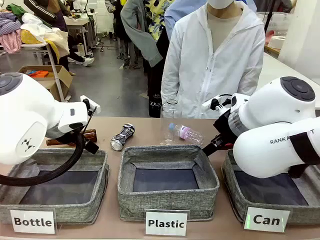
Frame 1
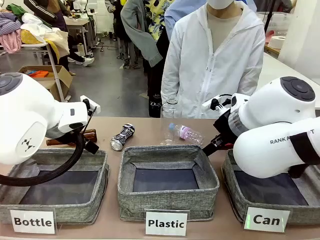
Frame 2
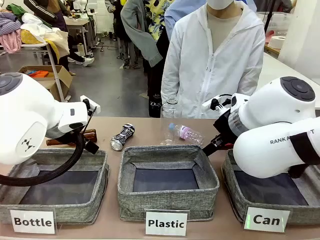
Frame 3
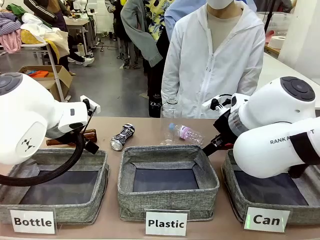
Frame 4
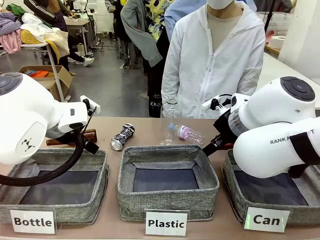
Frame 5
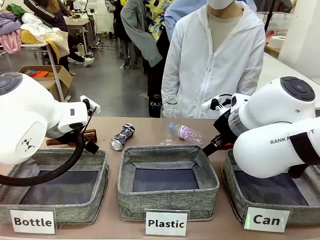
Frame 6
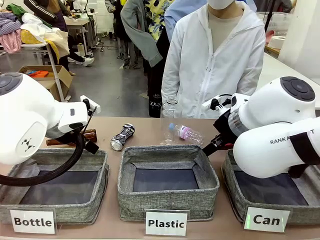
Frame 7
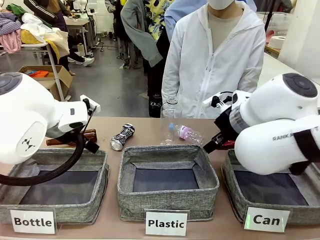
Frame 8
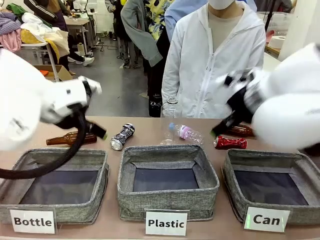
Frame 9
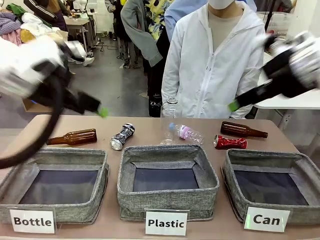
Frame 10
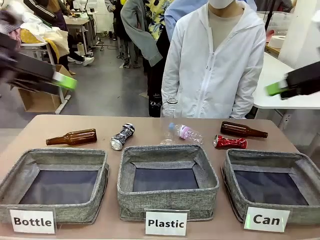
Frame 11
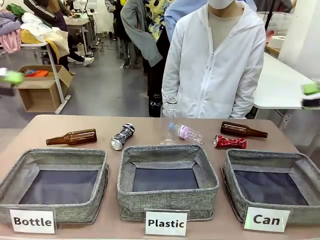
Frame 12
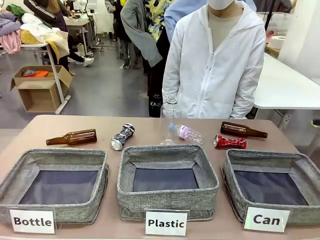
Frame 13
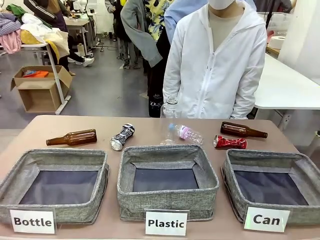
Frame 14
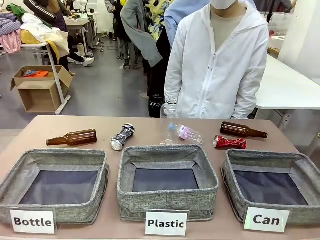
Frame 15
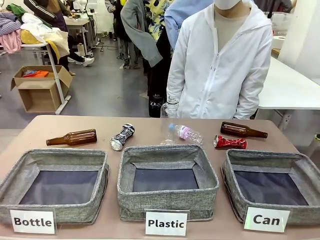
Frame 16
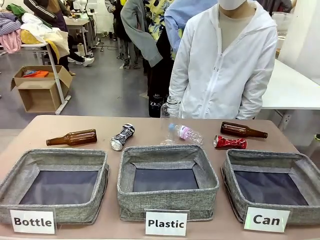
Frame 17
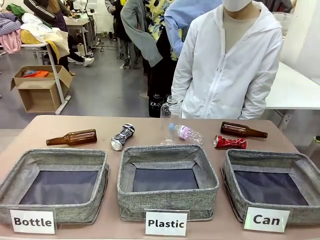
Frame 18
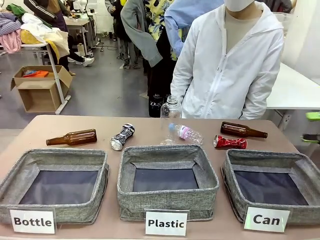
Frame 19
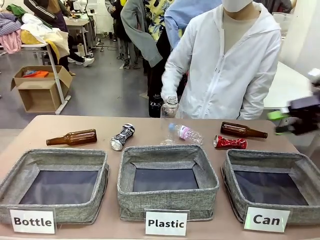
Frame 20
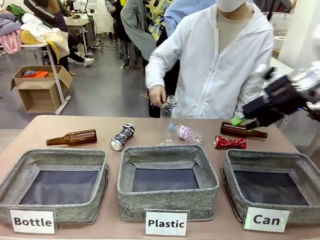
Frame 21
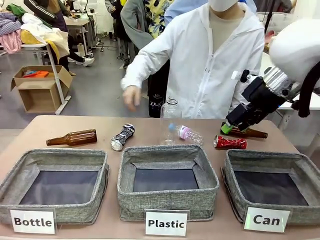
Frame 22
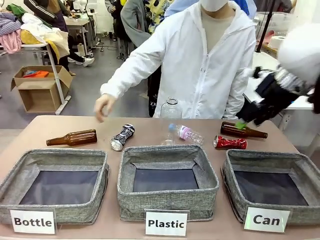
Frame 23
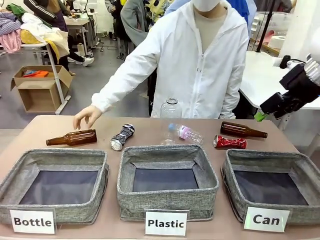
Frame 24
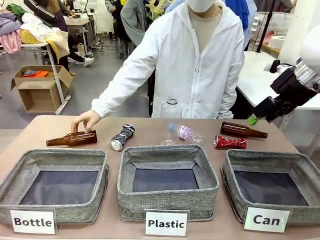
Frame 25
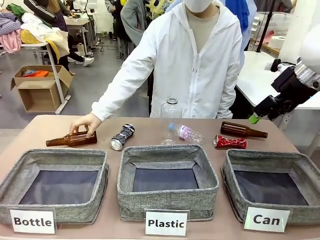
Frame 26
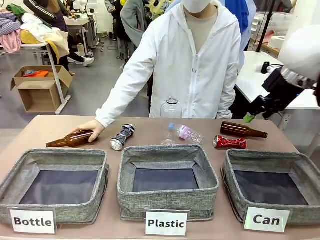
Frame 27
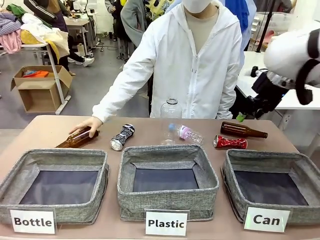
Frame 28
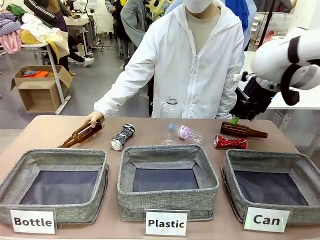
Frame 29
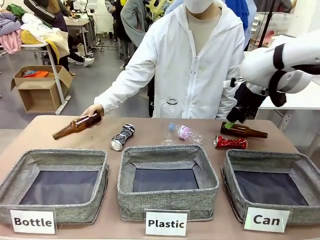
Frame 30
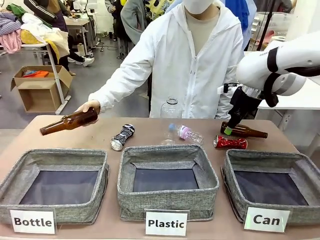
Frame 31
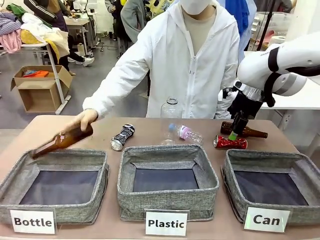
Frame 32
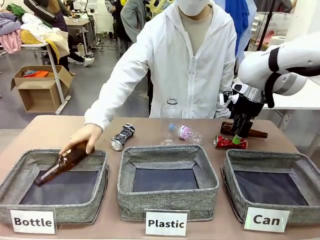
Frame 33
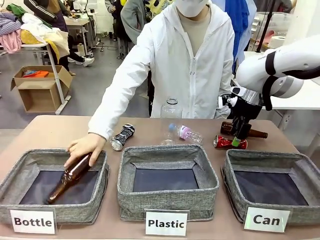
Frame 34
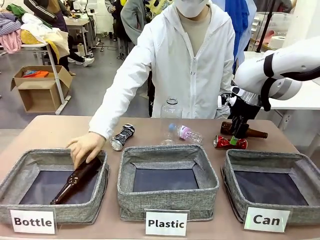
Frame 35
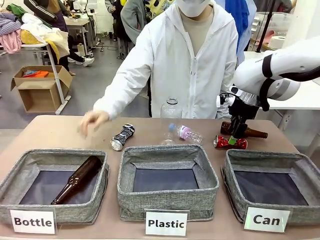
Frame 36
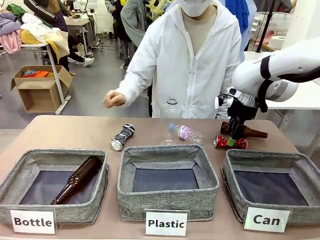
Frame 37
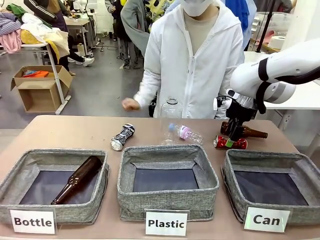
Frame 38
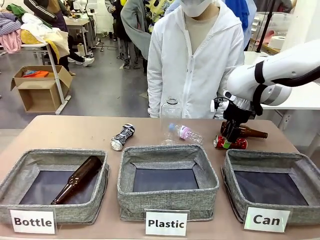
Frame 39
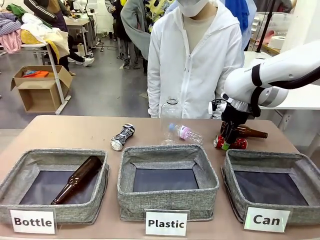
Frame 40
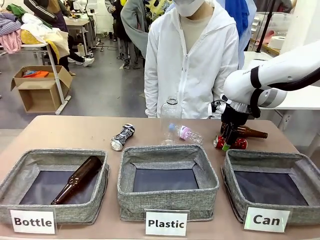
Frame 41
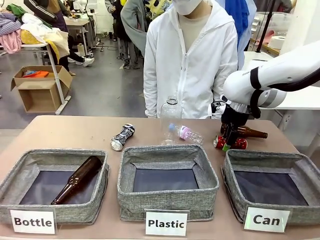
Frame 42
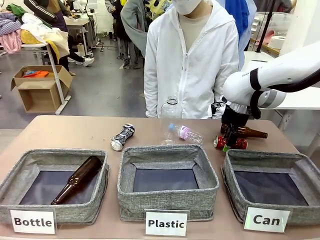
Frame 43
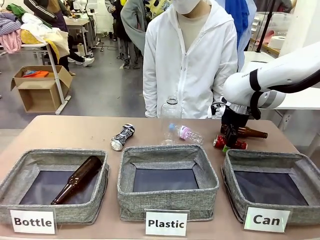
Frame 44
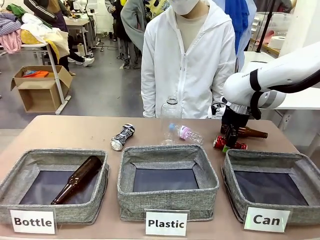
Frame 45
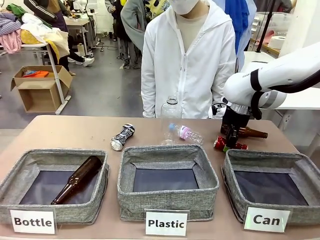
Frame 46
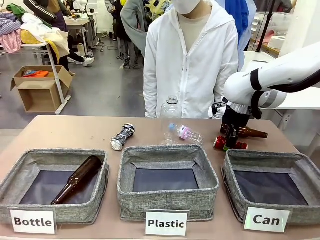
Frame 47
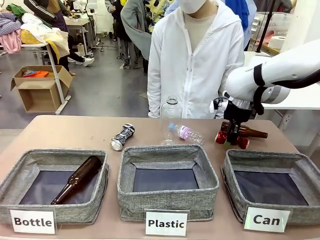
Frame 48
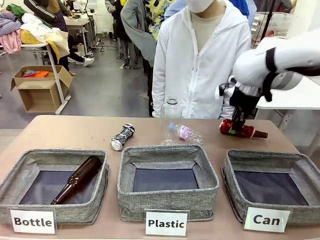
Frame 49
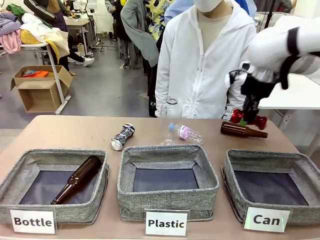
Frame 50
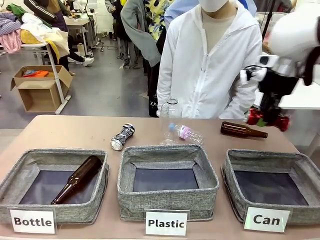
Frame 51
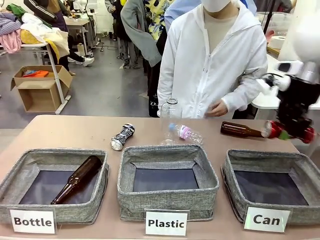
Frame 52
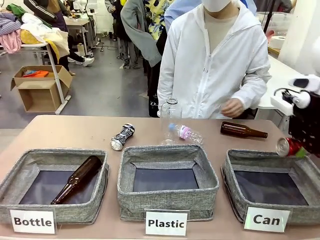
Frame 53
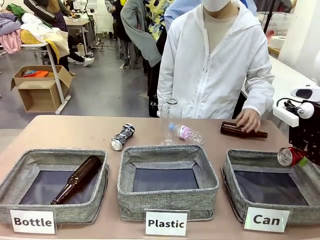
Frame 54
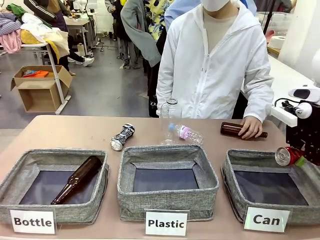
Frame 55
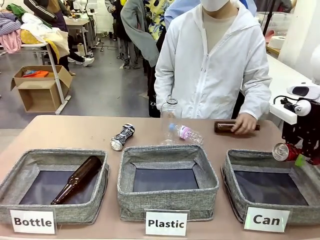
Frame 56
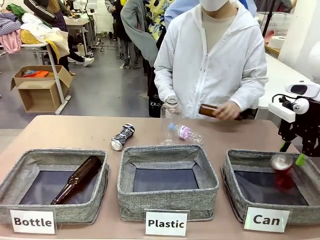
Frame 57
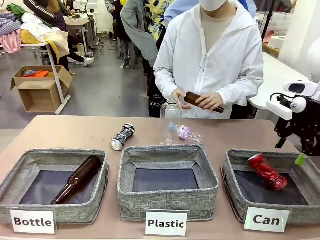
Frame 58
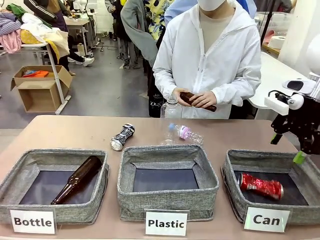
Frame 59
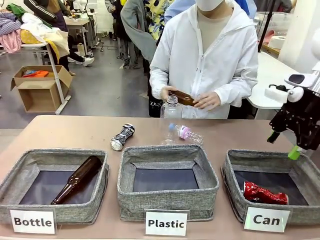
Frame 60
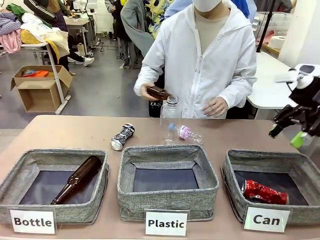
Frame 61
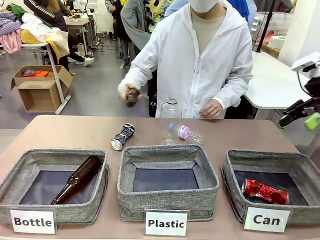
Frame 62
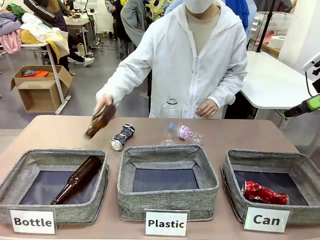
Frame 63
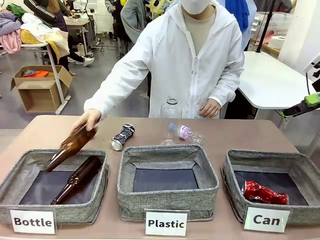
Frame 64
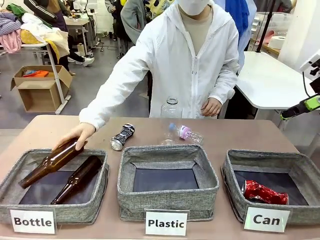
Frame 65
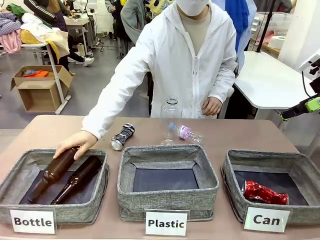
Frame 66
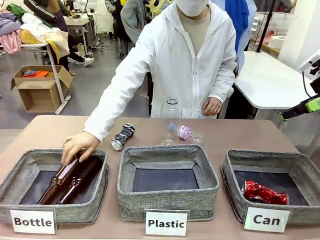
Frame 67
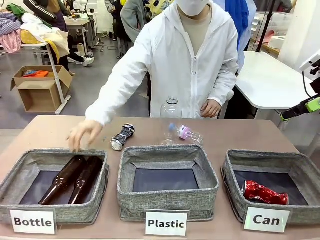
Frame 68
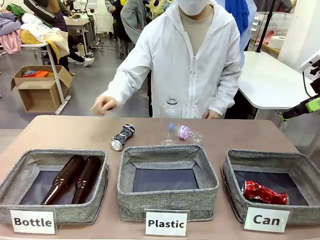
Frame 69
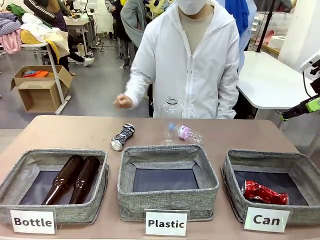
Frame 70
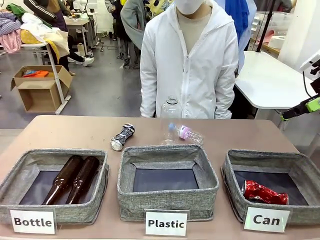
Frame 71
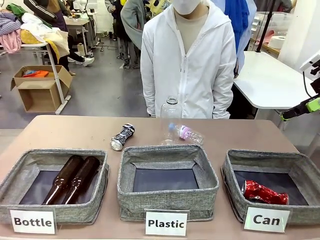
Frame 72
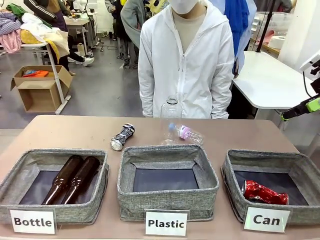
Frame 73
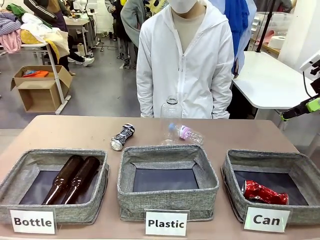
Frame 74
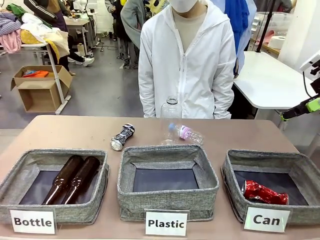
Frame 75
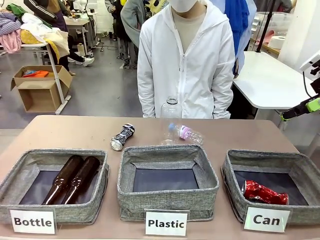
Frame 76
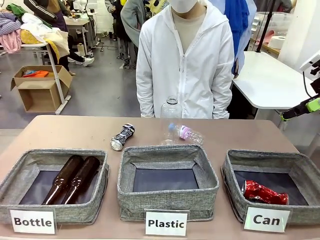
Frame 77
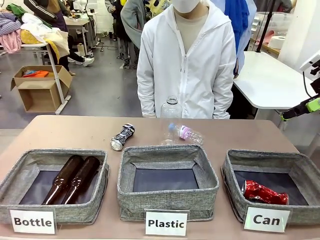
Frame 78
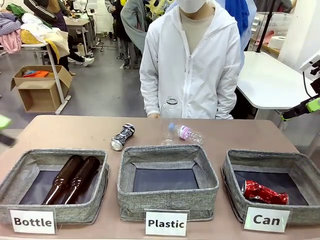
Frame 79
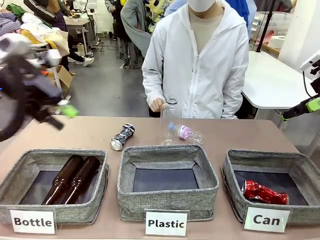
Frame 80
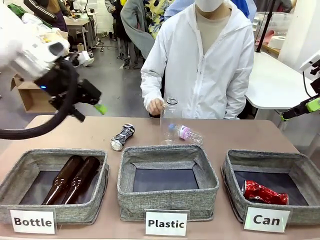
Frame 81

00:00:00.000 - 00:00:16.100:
Task: Sort the can waste into the basket.
Robot: Pick up the can waste from the table and place it in the right Fabric basket.
